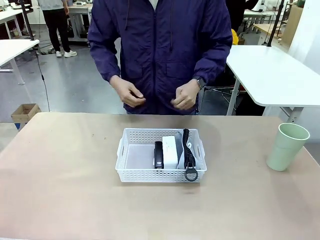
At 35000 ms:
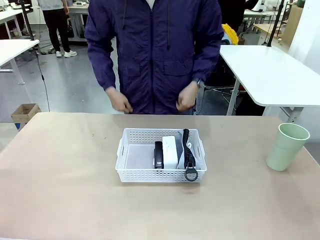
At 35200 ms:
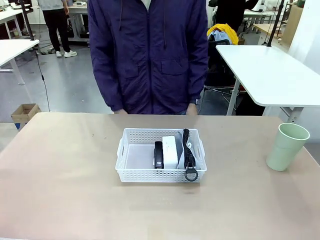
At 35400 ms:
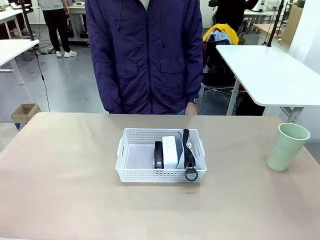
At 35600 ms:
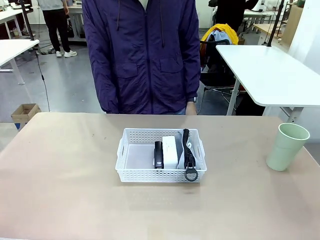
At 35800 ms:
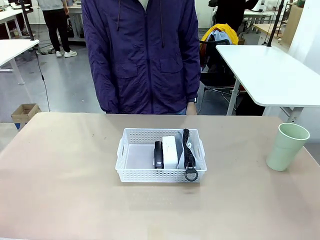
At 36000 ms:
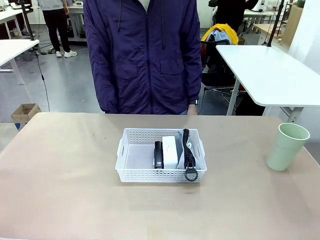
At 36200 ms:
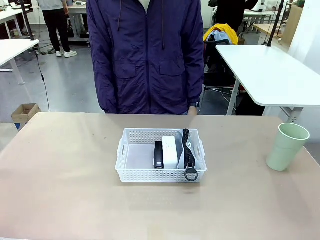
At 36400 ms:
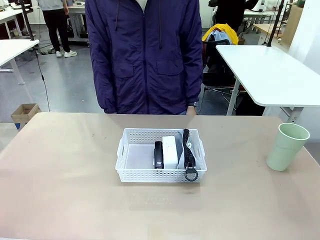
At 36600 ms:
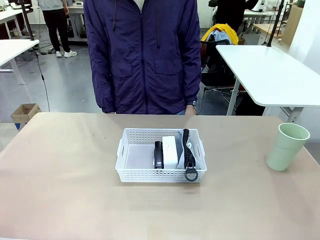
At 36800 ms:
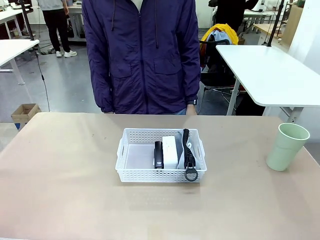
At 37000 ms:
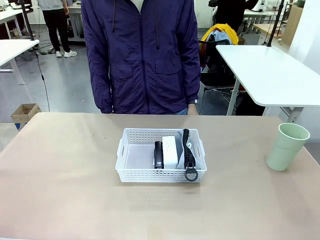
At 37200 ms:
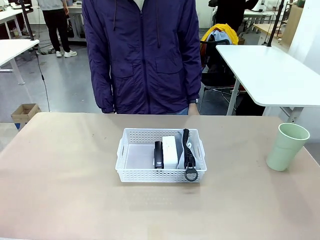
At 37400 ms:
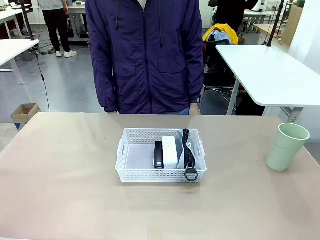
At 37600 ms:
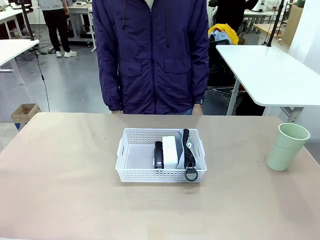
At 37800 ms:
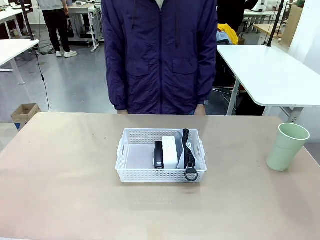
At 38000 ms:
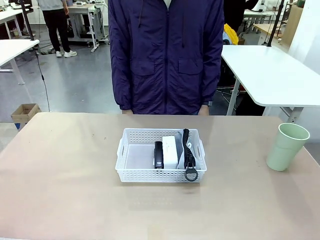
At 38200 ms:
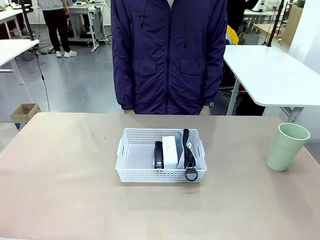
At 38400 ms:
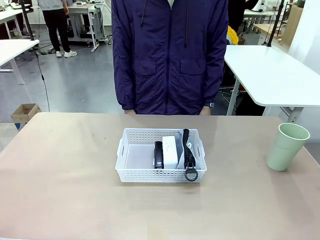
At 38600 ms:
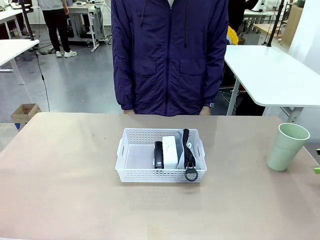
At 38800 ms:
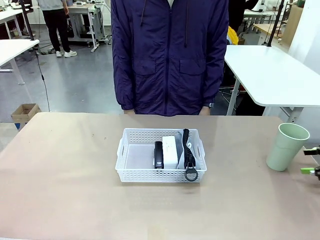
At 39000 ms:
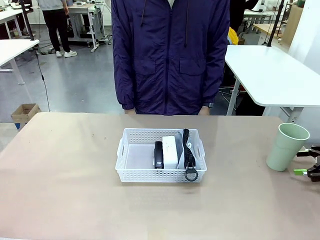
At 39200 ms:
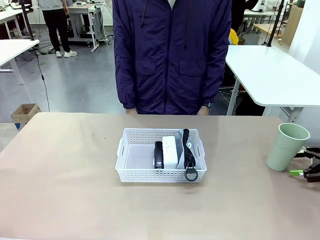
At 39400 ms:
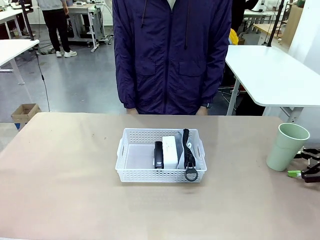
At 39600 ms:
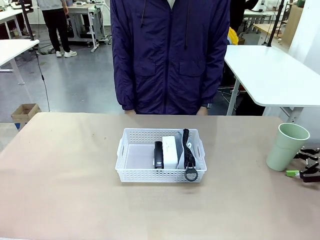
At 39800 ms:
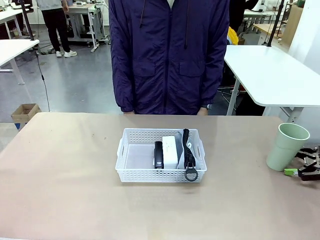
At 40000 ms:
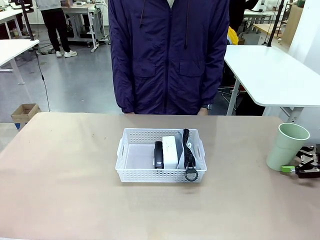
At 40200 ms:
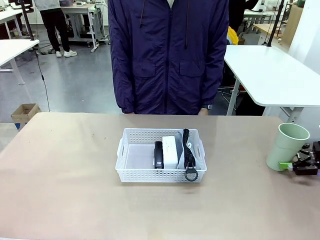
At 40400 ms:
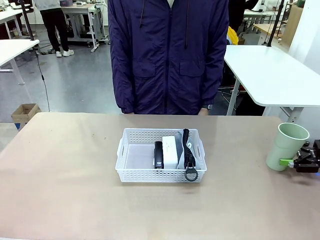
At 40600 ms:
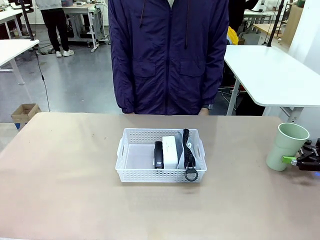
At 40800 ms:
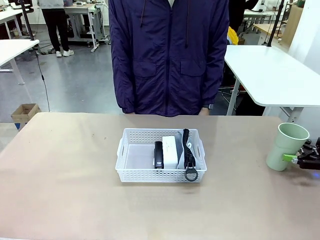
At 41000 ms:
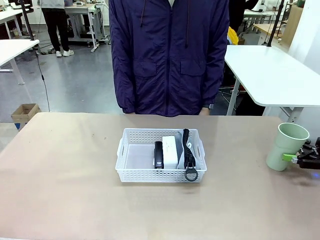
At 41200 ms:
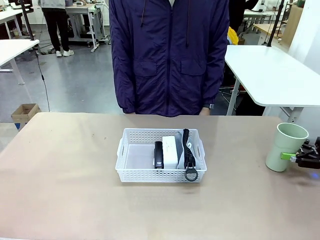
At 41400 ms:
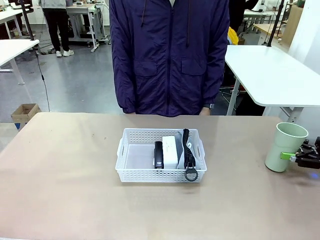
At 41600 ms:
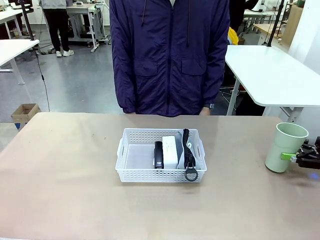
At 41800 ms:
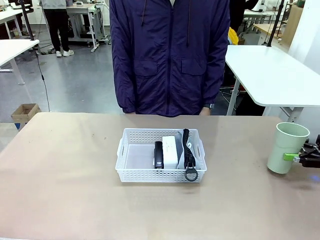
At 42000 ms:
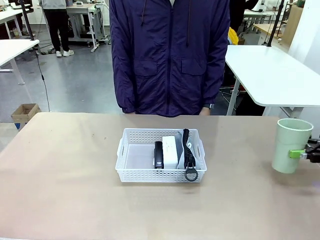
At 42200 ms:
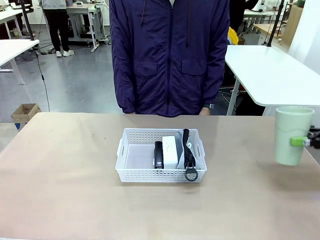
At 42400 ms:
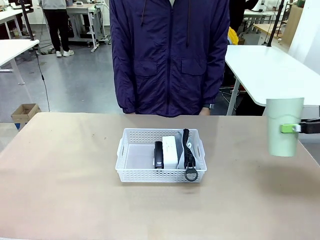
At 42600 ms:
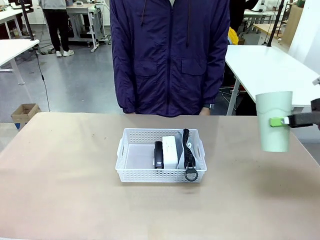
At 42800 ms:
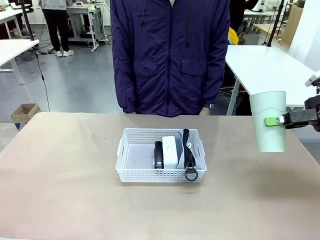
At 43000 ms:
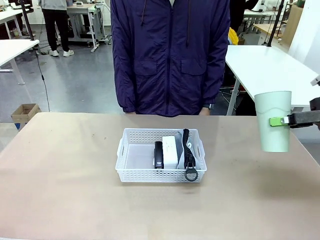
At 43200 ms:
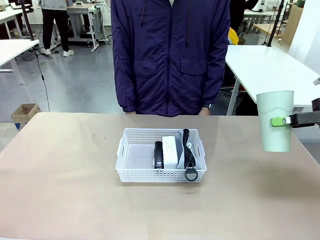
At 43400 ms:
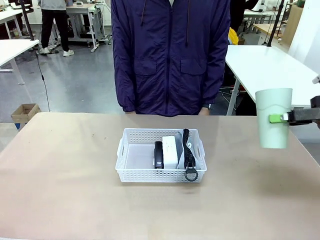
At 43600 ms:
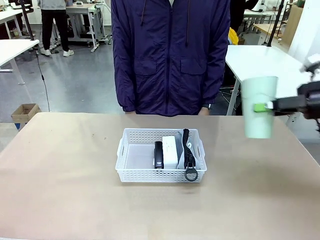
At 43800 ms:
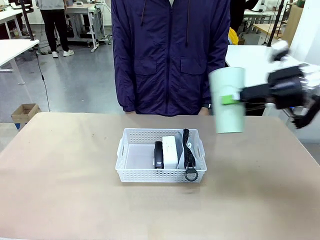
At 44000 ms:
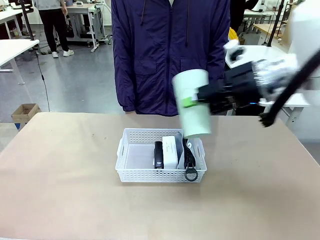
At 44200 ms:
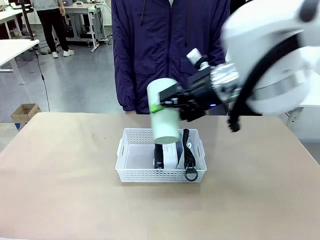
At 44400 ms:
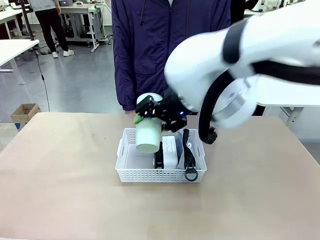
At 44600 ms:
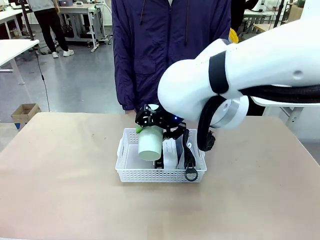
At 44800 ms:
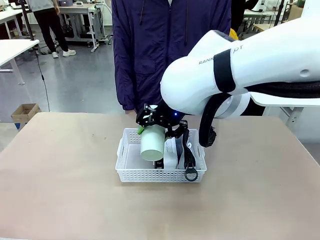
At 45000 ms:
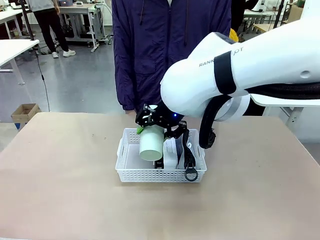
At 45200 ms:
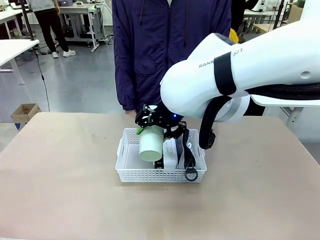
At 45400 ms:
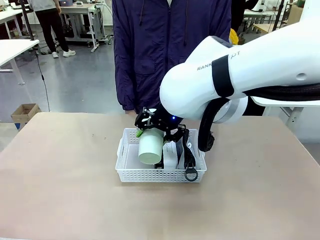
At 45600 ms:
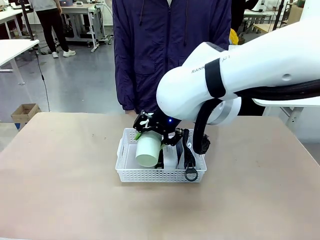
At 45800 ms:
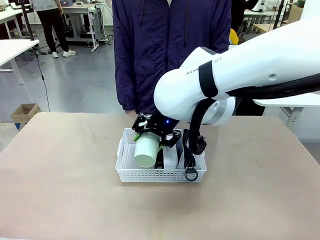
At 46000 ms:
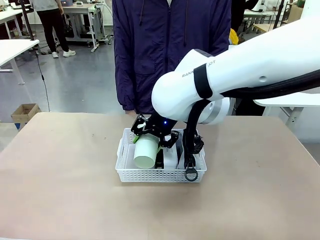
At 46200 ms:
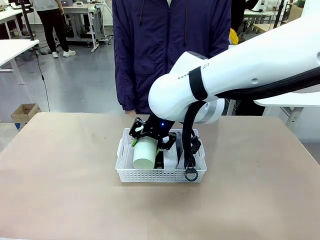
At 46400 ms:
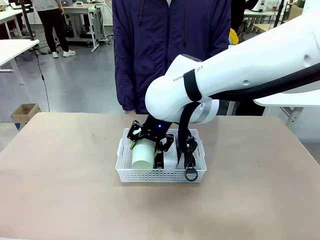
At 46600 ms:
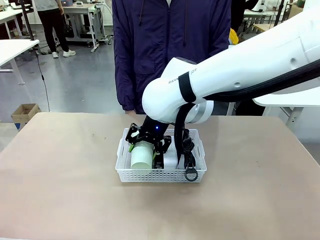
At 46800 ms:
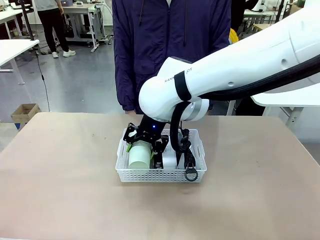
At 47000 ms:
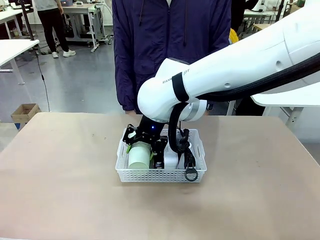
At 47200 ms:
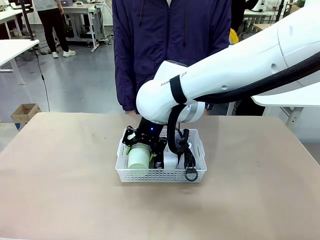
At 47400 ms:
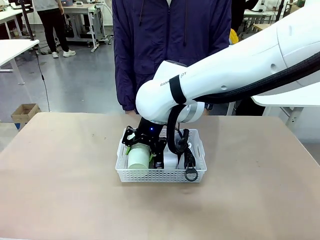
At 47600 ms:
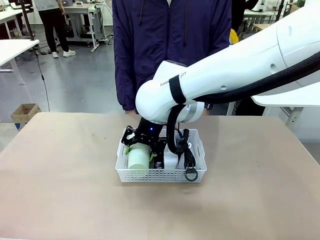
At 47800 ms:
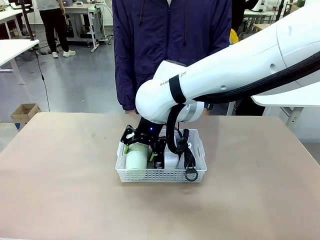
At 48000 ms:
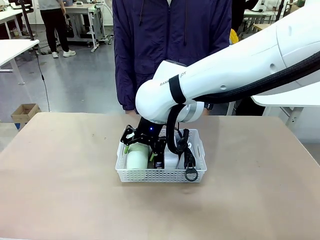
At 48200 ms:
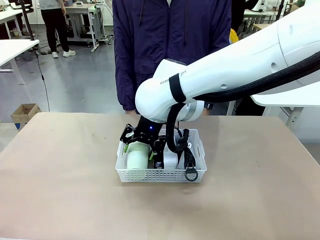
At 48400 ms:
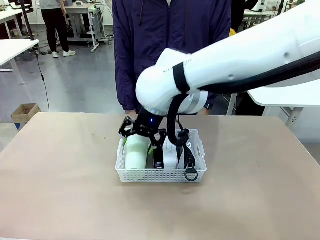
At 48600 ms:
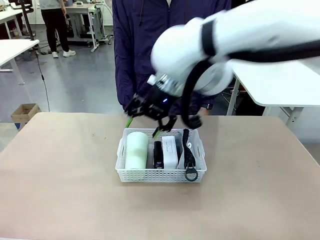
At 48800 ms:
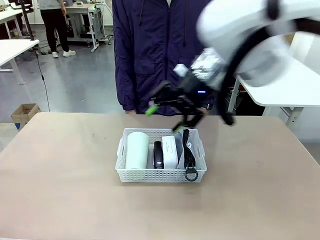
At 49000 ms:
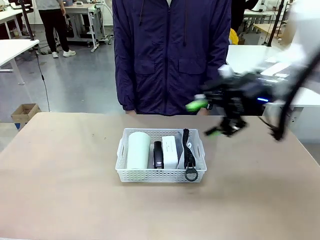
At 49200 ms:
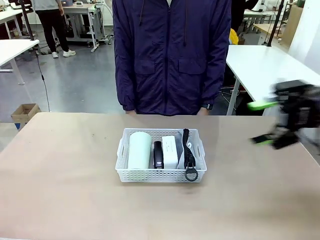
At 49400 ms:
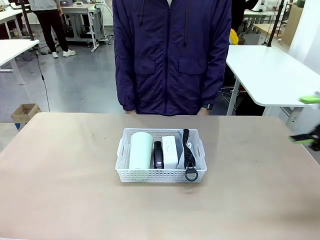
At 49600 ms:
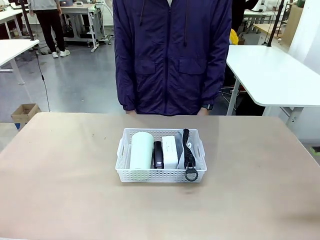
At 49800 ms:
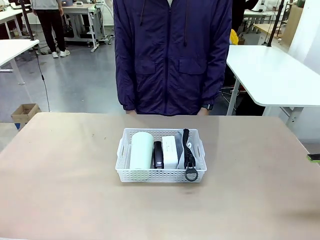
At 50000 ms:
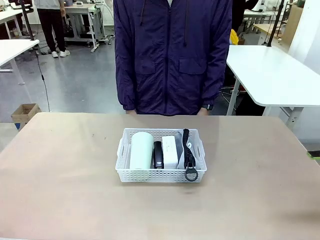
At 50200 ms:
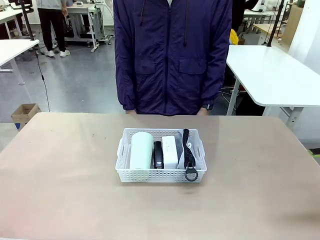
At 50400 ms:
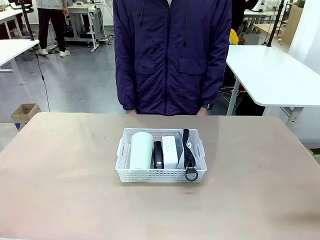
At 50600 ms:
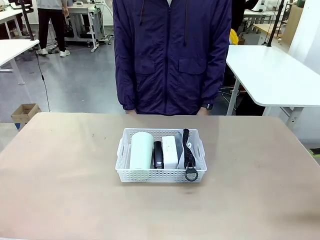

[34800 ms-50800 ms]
Task: Efficiently arrange items inside the basket to fit them all.
Robot: Pick up the Reusable plastic cup and place it inside the Organizing basket.
Person: Repositions the stapler.

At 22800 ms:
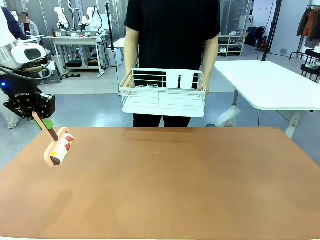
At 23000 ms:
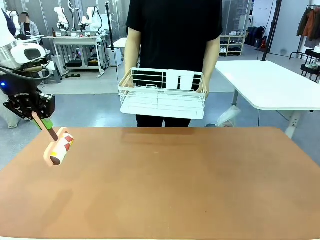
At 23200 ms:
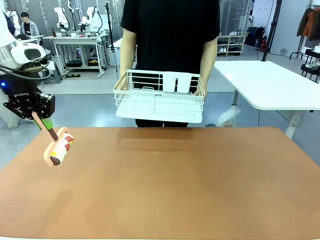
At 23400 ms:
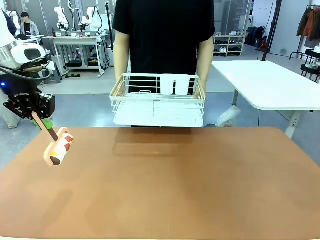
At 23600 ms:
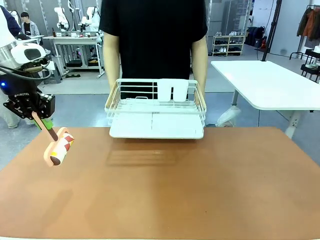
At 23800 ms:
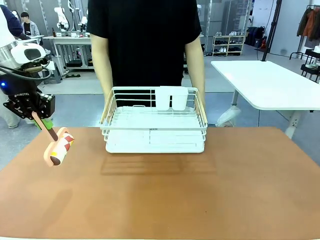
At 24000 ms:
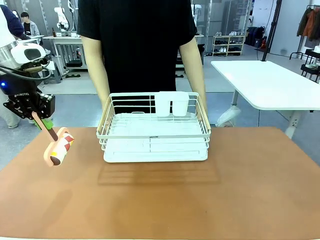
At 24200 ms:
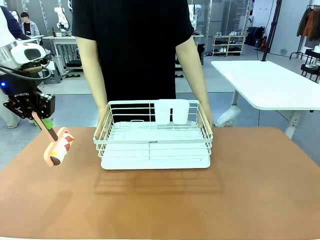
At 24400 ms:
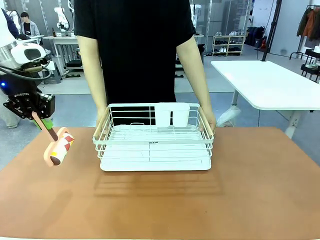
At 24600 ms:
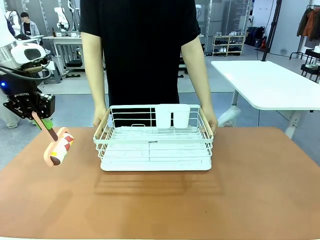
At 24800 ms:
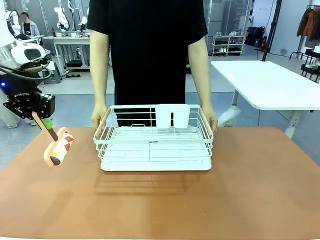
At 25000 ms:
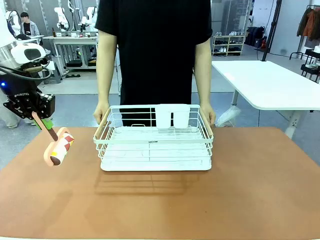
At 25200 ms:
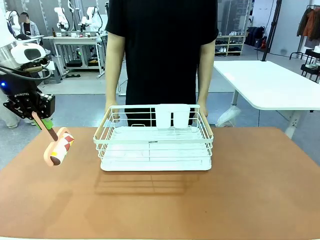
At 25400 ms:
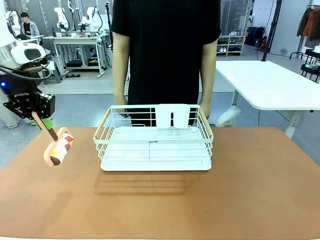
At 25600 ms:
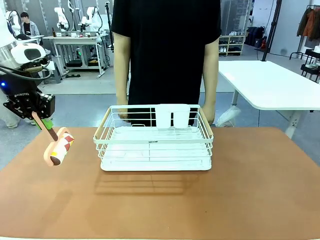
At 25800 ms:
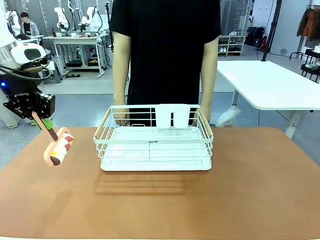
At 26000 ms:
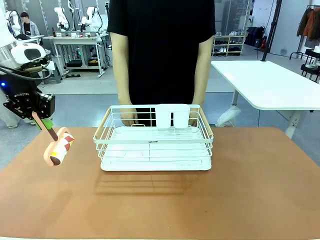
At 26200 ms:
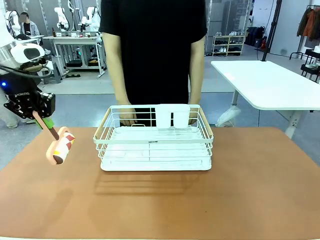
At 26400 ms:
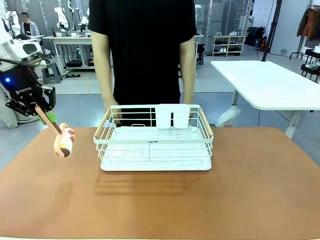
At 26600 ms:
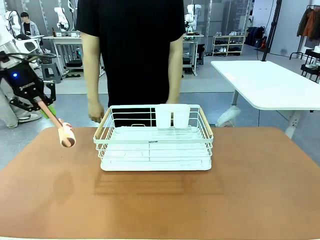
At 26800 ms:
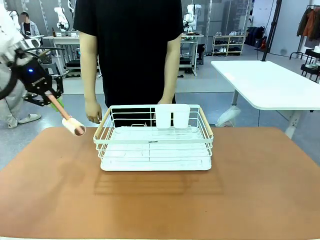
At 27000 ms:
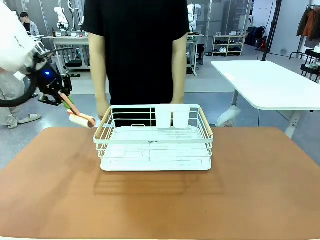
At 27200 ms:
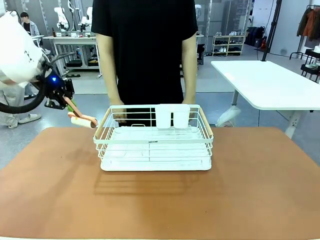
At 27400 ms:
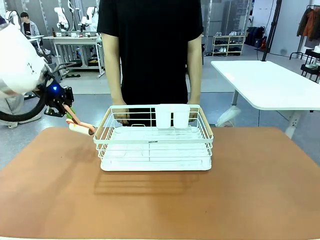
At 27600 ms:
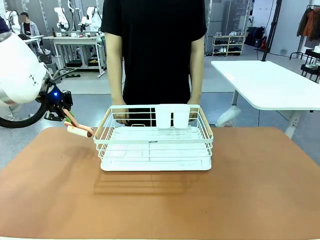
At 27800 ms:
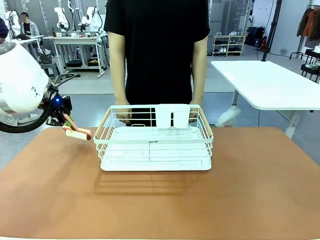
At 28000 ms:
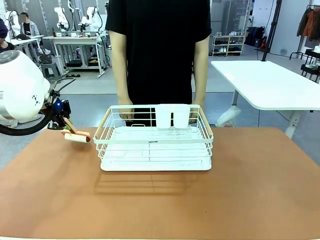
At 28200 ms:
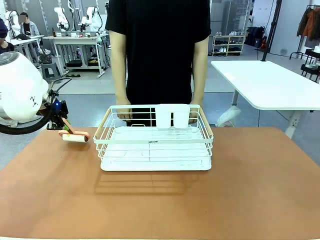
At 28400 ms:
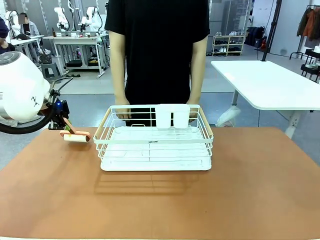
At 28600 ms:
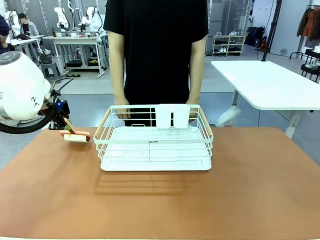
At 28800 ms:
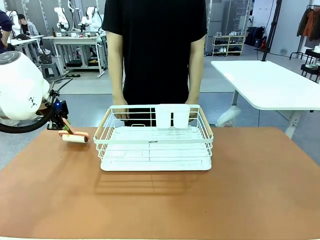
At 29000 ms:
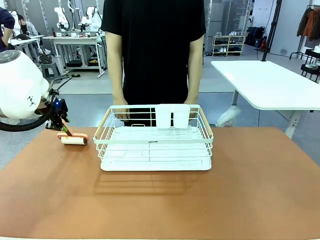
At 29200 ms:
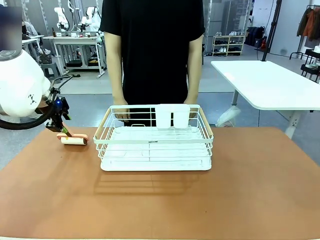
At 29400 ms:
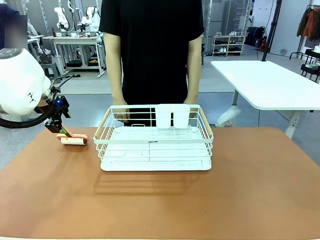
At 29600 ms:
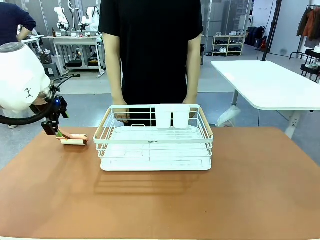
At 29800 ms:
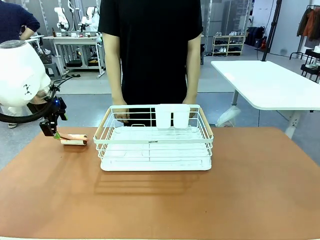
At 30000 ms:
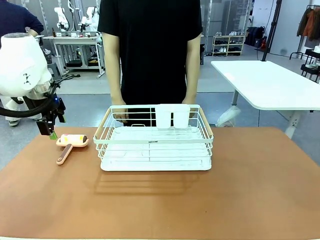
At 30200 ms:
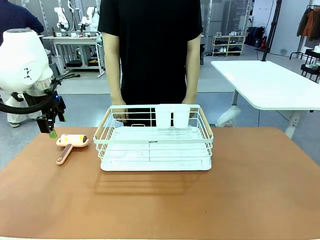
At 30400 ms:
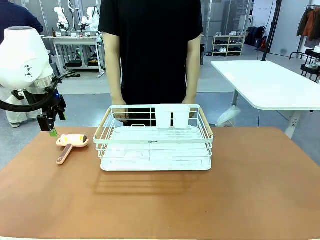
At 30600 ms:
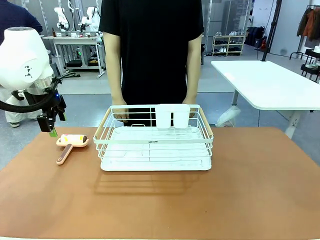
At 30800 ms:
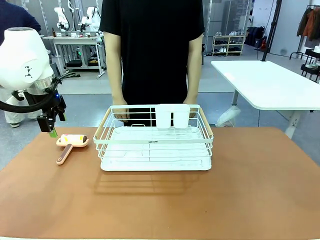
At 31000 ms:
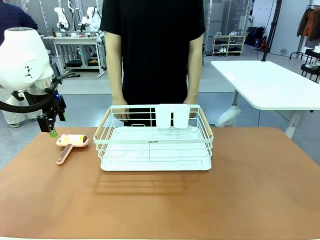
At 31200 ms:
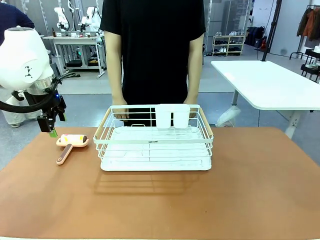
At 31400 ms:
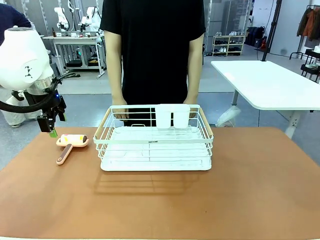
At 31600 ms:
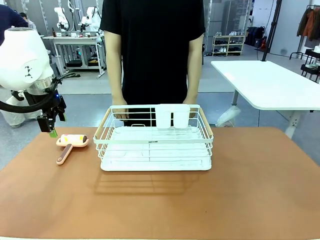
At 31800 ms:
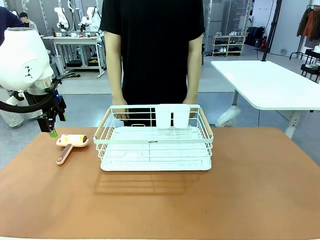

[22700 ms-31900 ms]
Task: Clean the table.
Robot: Place the Lint Roller down when the Dish drying rack is positioned in the middle of the table.
Person: Place the Dish drying rack down when the robot finishes cleaning.
